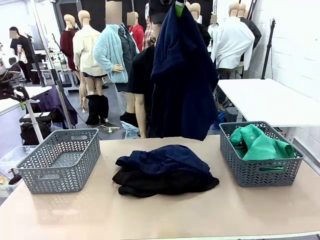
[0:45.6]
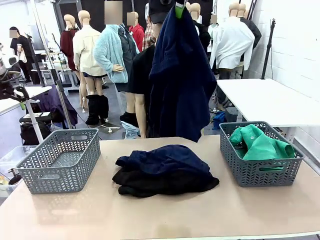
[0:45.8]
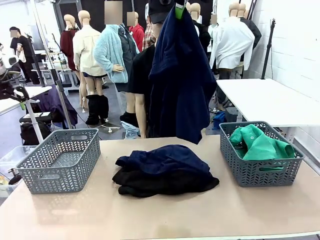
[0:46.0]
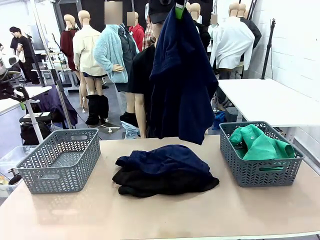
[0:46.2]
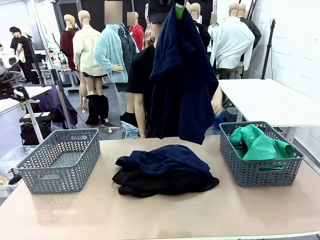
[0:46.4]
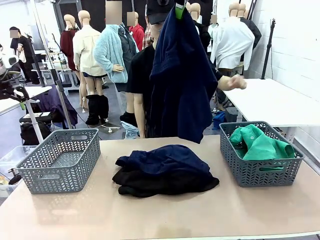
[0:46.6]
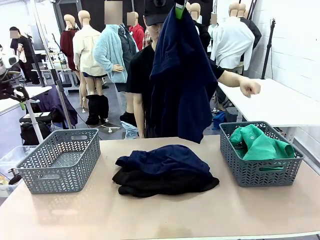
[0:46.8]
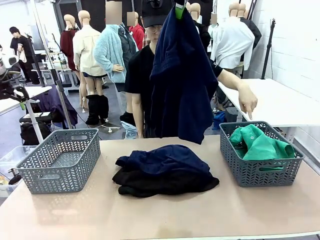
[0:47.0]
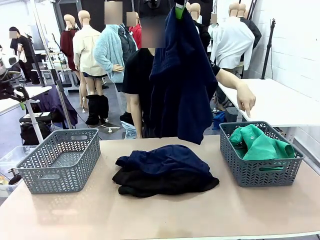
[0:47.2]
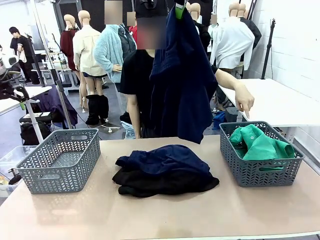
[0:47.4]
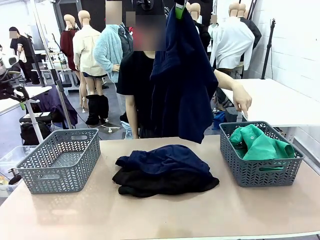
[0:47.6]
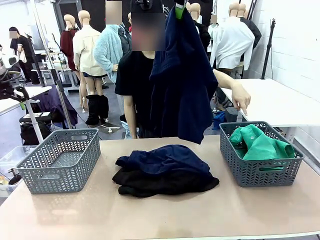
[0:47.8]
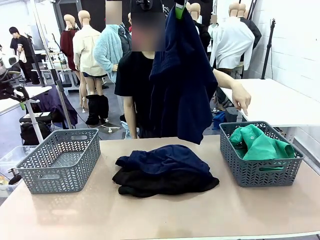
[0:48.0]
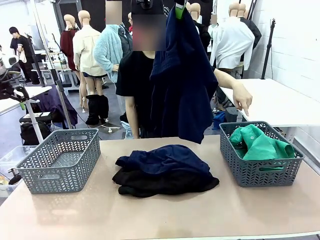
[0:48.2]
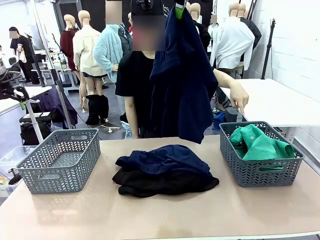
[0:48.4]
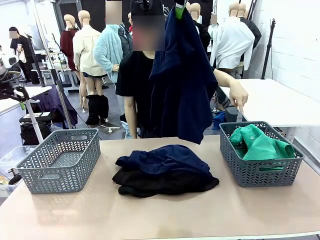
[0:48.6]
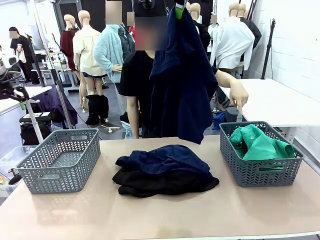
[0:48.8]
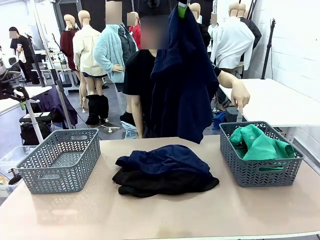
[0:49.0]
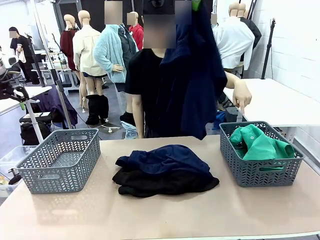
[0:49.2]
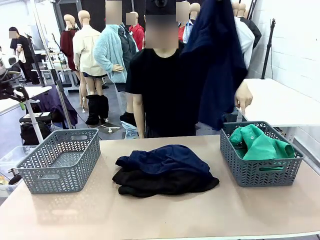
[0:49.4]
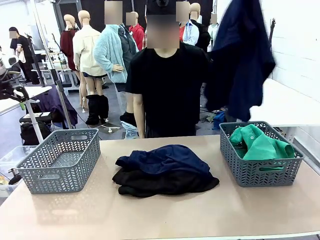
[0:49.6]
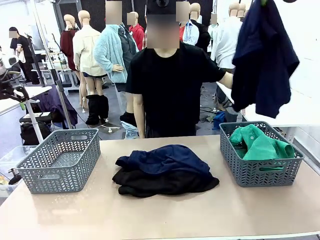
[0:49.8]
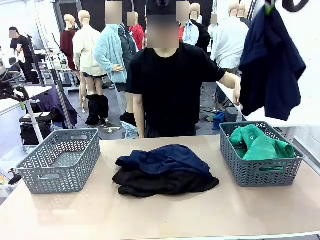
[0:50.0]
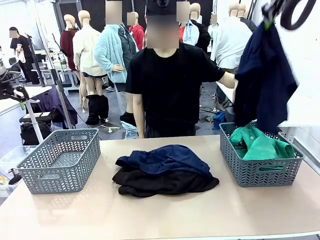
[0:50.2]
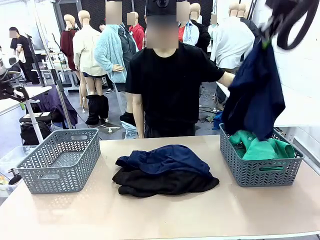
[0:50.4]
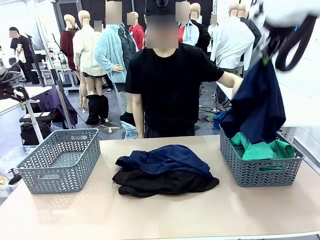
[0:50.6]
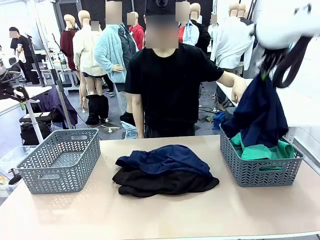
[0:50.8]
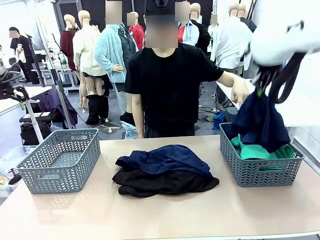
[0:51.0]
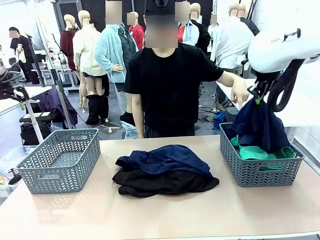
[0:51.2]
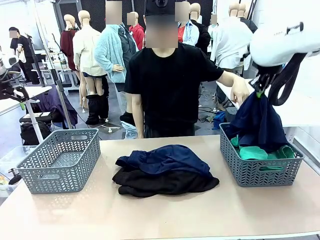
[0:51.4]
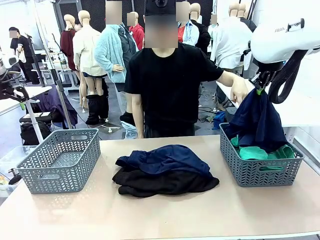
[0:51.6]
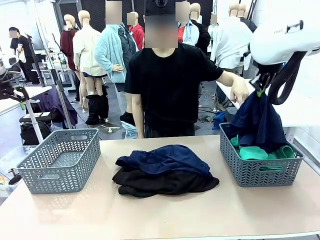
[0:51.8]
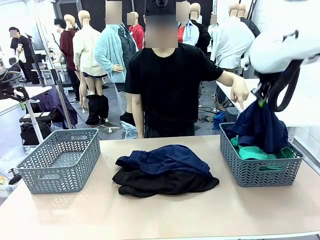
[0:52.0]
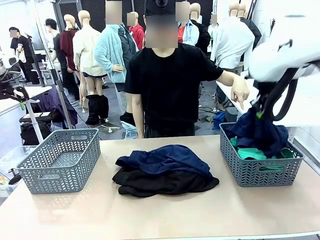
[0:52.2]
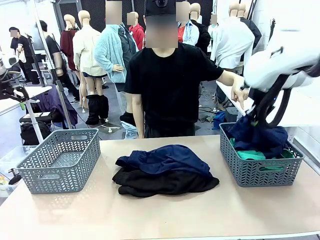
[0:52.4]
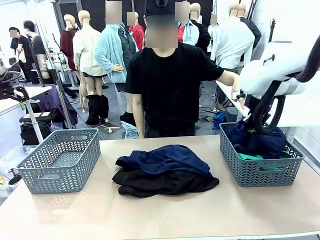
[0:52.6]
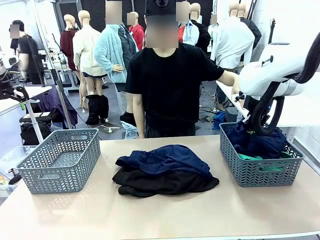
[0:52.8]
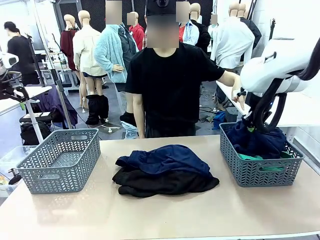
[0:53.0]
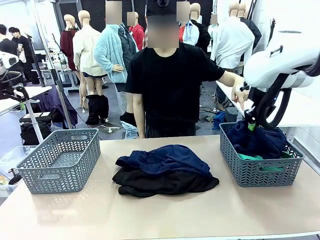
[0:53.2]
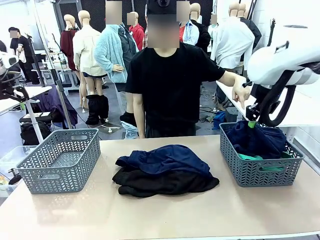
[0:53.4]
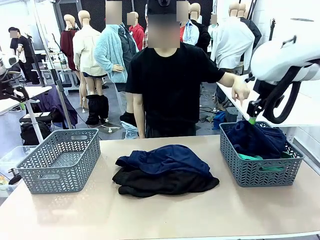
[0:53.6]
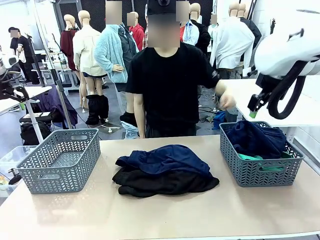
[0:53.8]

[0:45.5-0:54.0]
Task: Sort the tops and bottoms.
Robot: Sort the clothes according to human instructions.

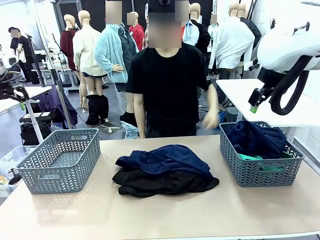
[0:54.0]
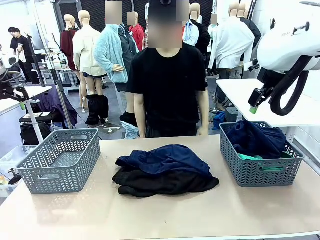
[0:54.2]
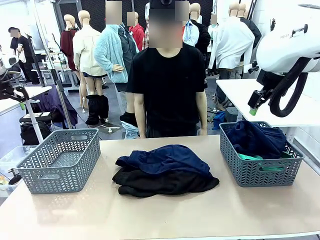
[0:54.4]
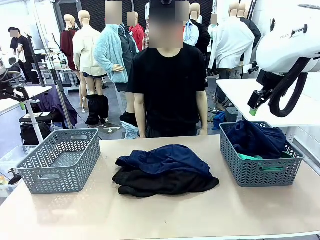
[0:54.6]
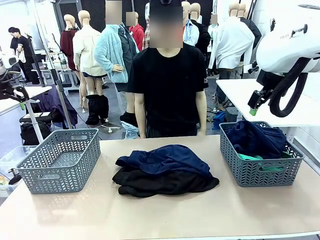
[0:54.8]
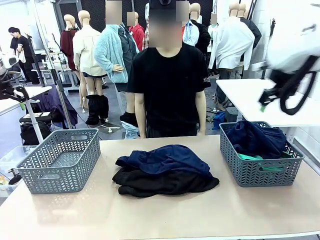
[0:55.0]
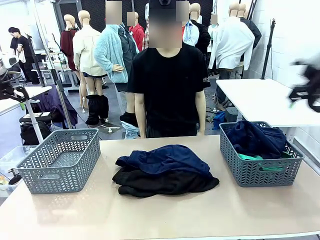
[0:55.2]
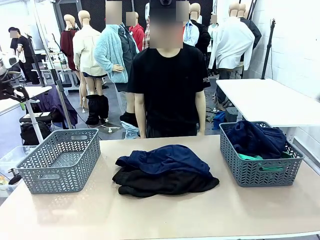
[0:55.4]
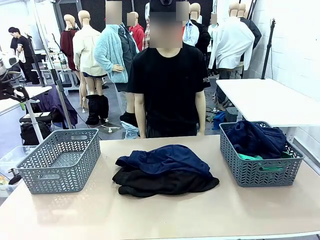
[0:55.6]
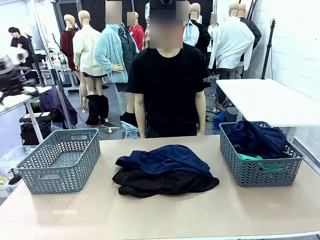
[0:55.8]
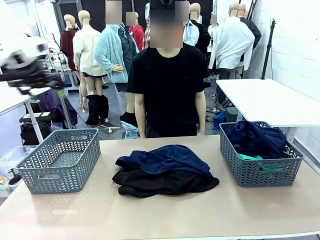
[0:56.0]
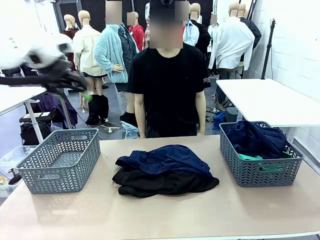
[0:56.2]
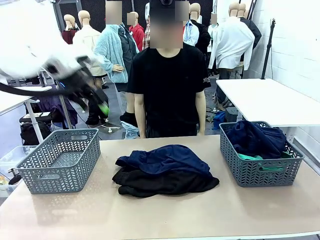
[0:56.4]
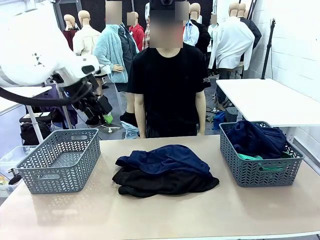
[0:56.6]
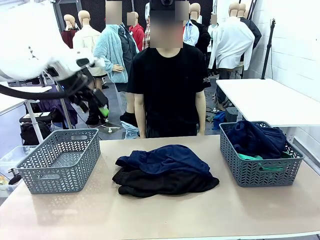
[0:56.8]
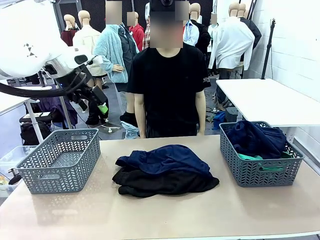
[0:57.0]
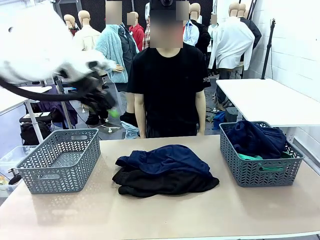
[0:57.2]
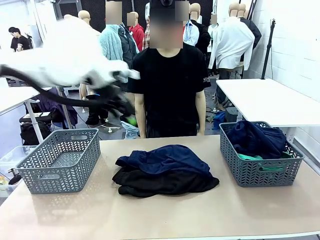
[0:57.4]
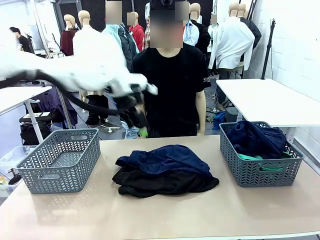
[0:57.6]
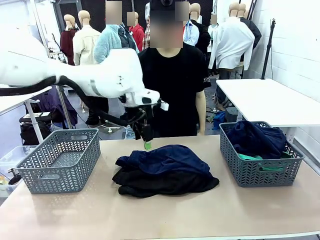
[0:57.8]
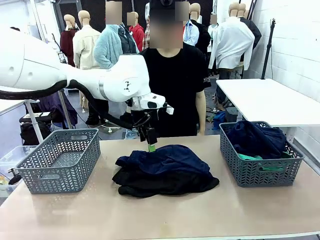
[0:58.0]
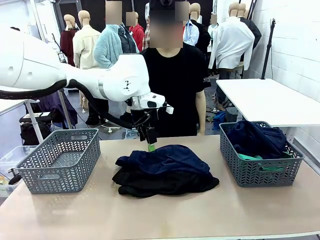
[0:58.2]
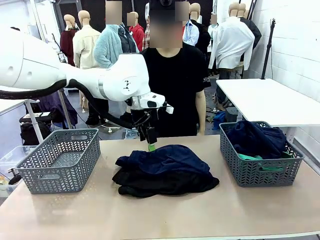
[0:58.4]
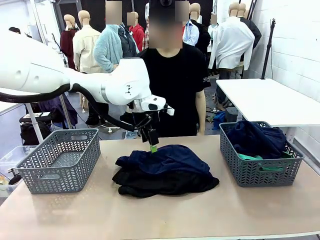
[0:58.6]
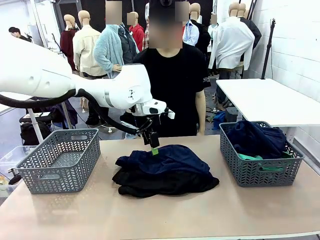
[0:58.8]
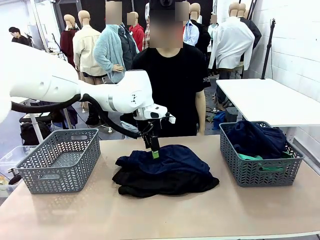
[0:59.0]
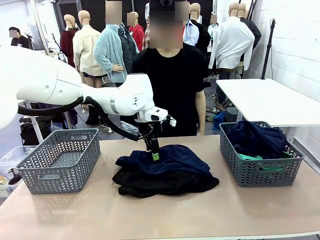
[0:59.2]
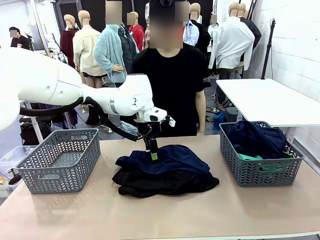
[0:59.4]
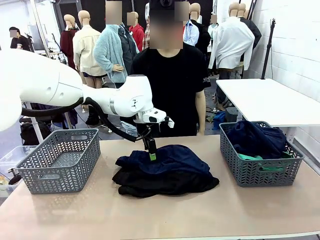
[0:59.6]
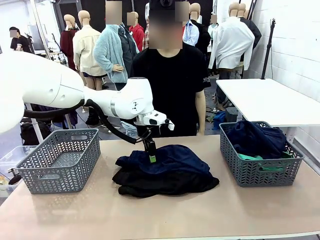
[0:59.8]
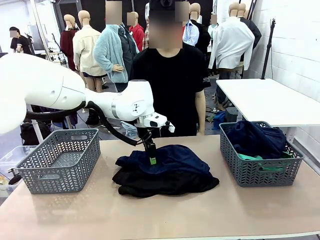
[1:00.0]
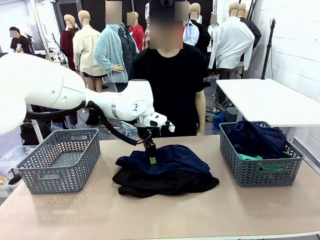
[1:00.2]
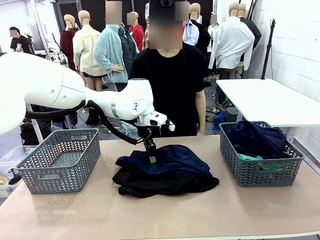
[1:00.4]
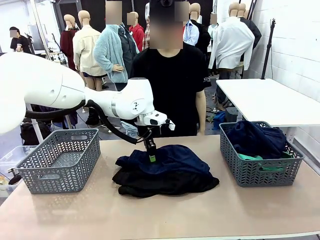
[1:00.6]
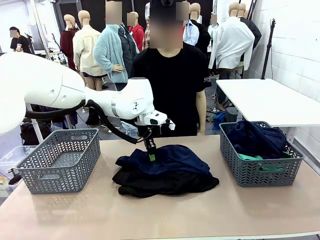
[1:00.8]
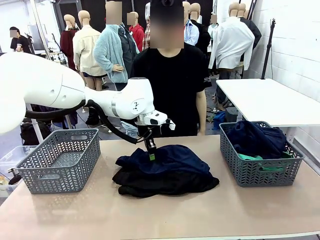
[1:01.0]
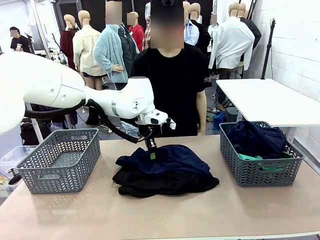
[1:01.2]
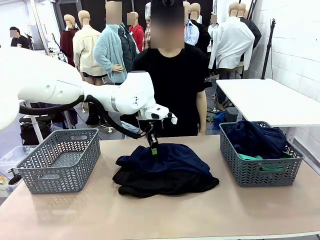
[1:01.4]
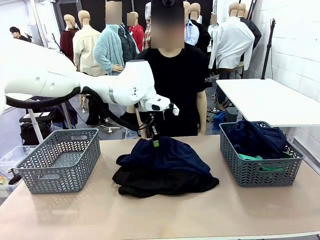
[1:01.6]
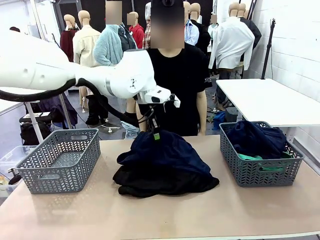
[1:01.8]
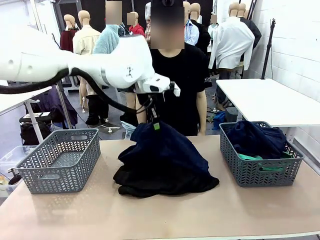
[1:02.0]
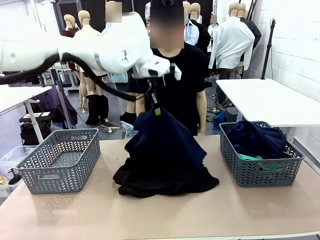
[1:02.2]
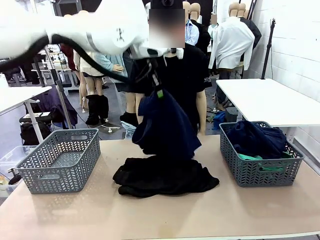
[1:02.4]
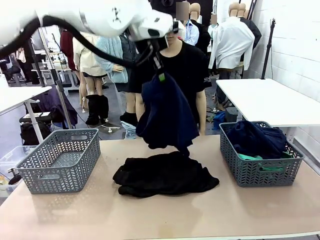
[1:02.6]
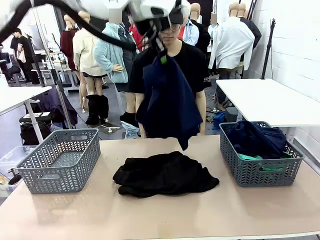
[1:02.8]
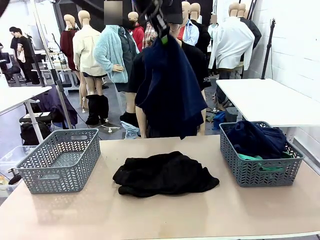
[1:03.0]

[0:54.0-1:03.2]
Robot: Lift clothes from the center of the table with your left hand.
